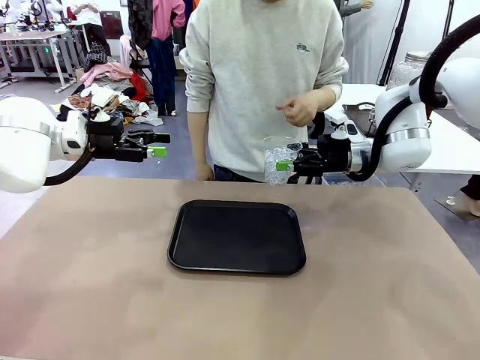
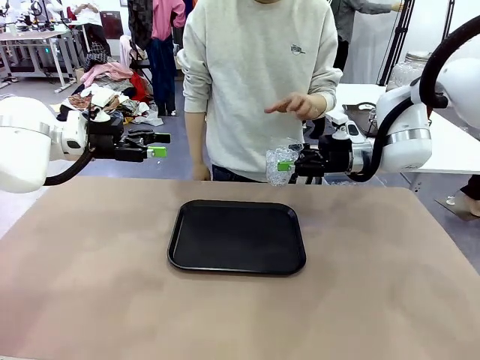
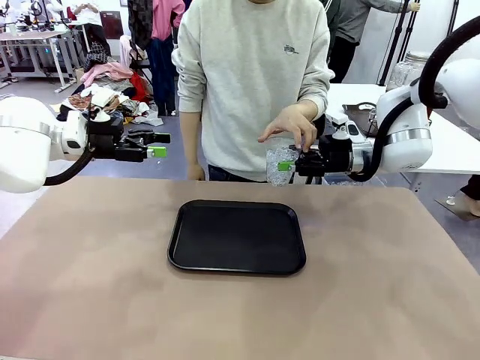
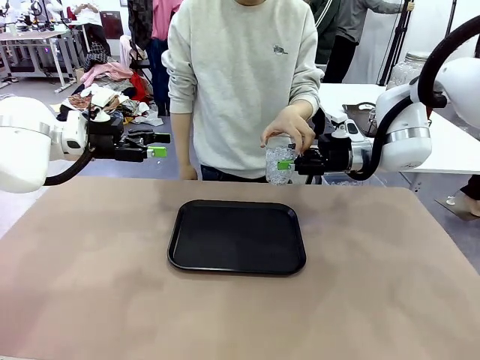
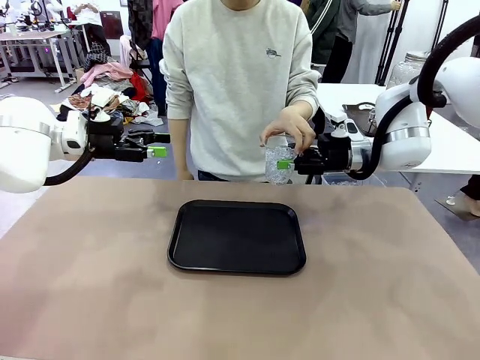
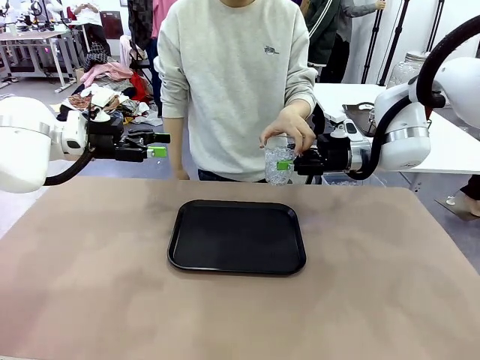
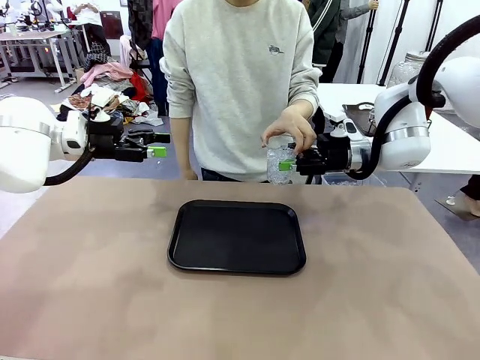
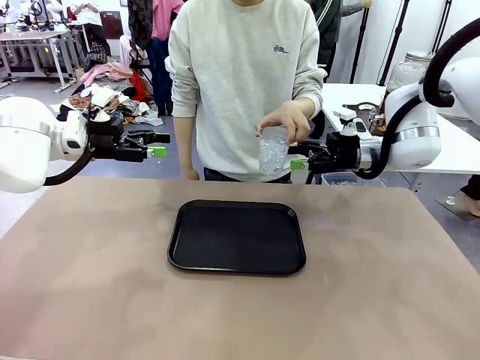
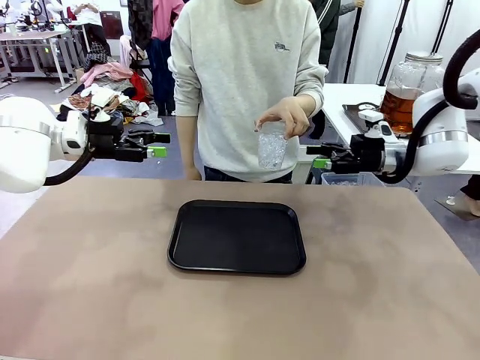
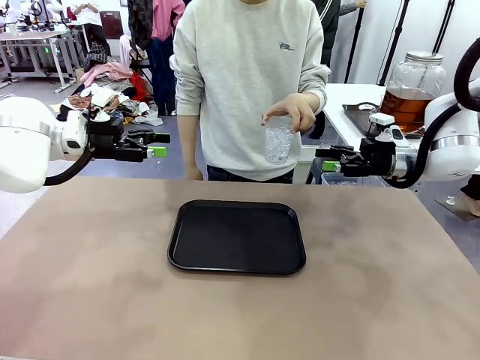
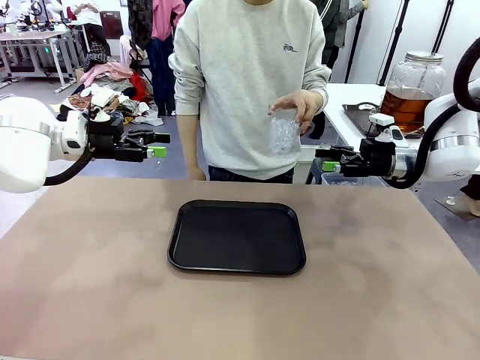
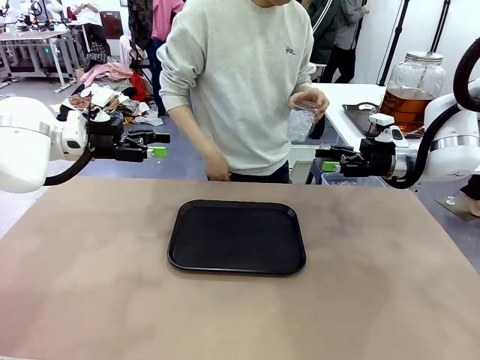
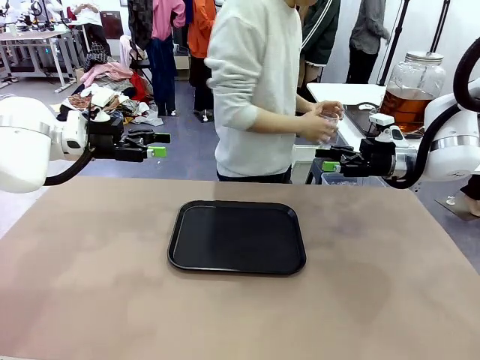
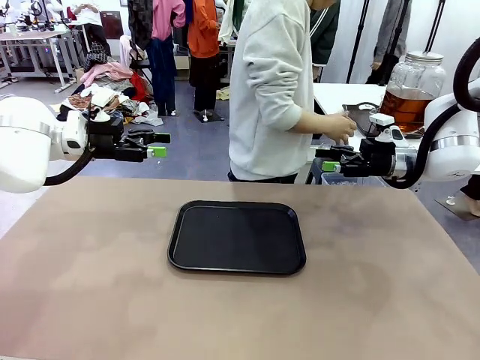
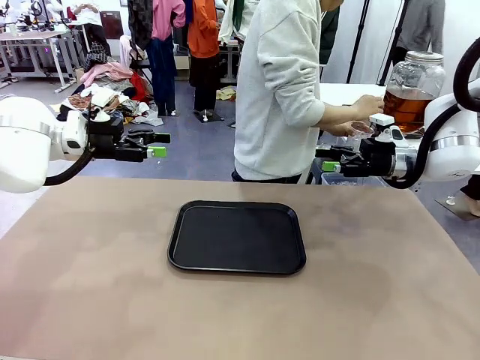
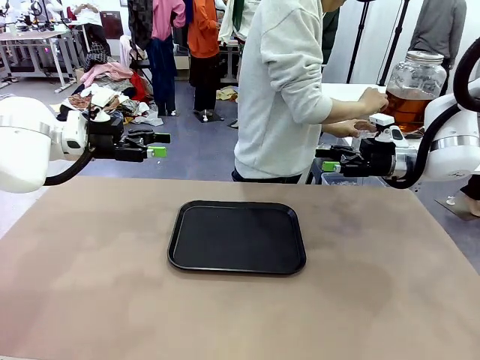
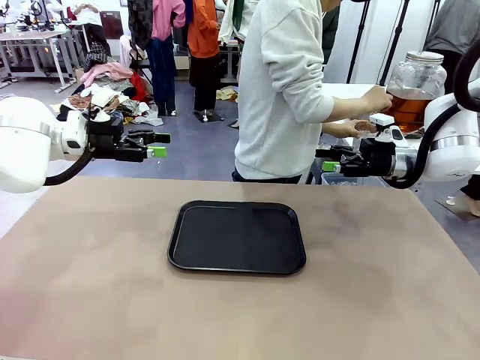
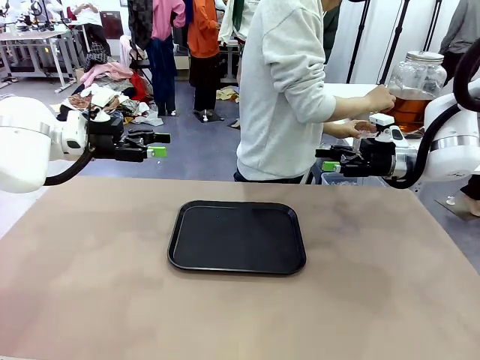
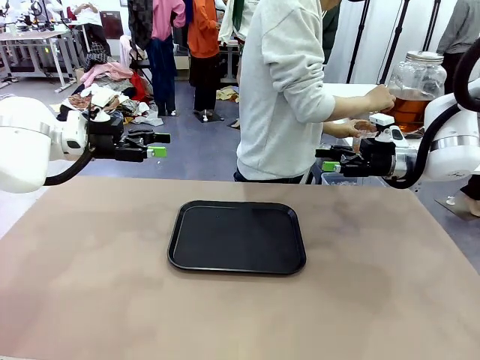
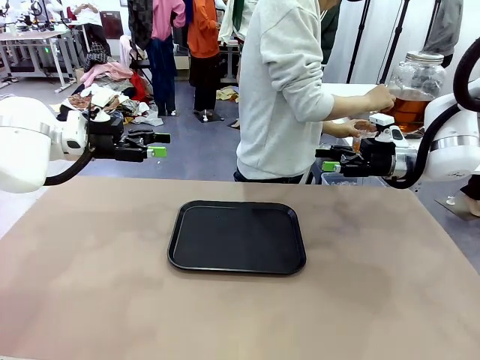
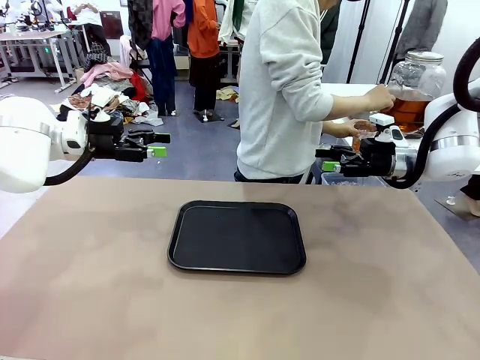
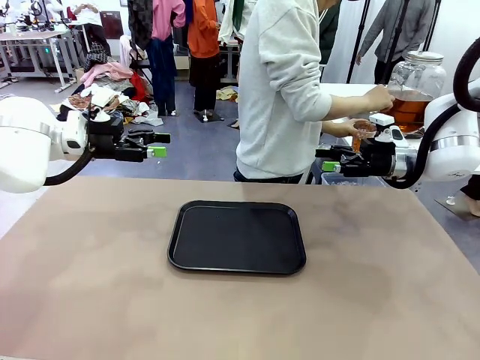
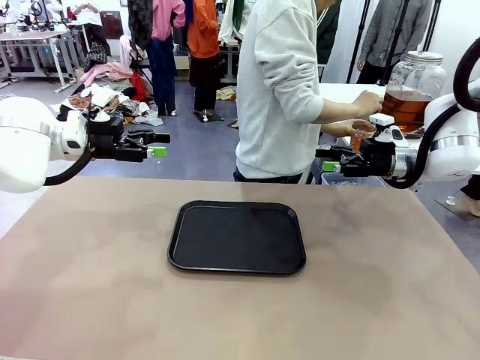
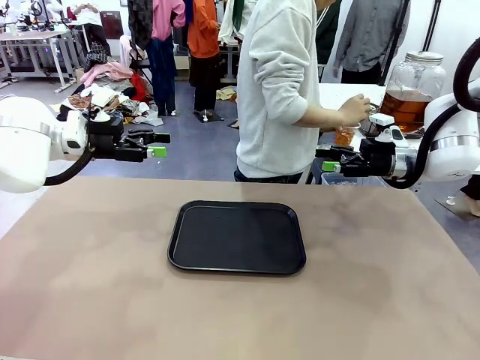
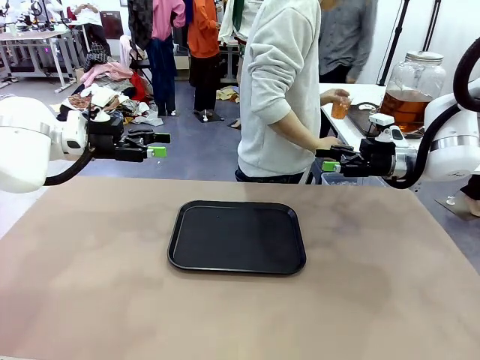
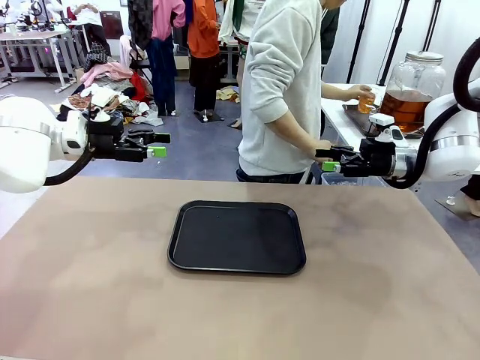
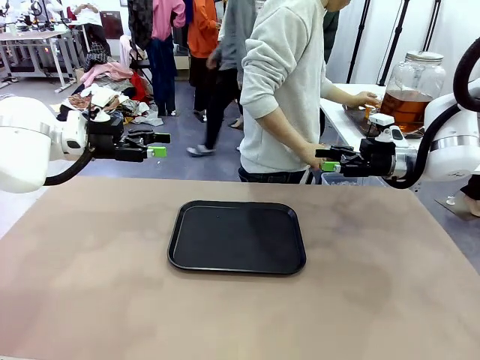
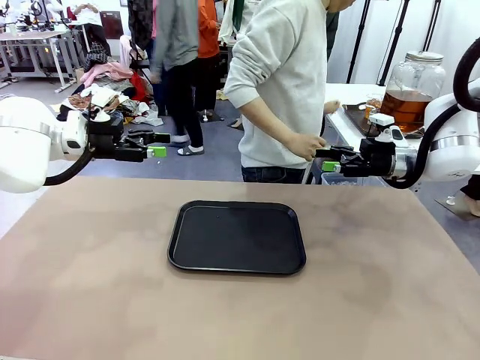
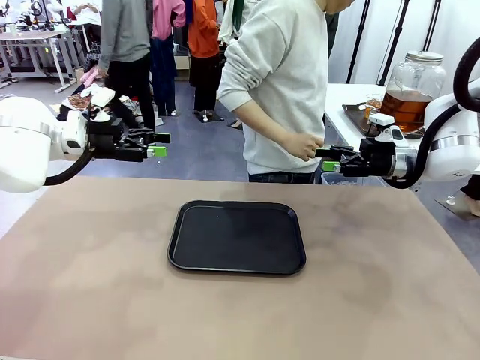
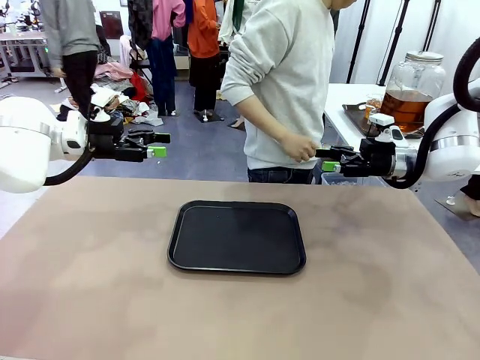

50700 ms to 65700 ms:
Task: Pour the drink into the iced cup.
Robot: Open the gripper to release the iced cup you were holding.
Person: Move the picked-up cup under the dispenser faucet, pour the drink, and place it on the tray on the human table.

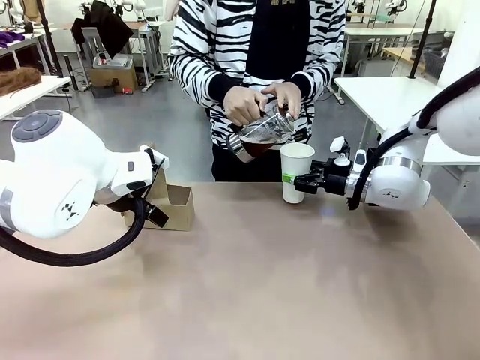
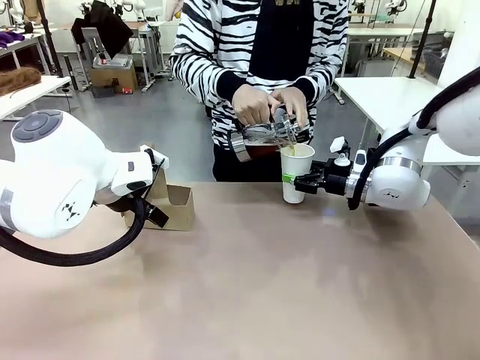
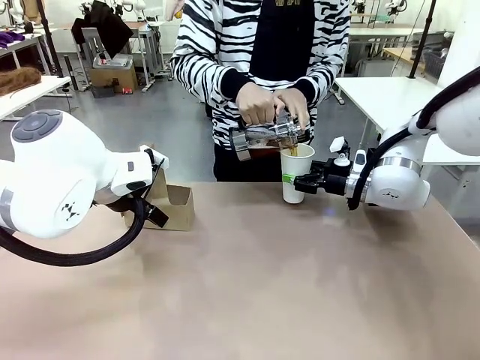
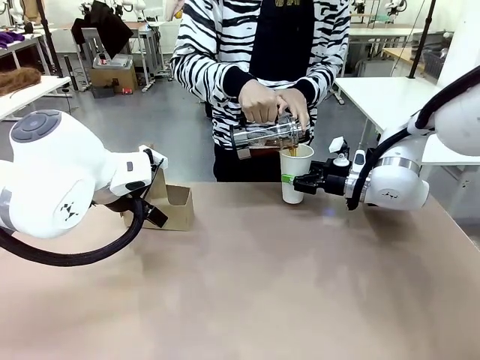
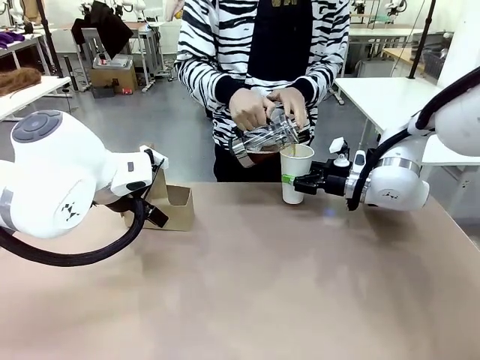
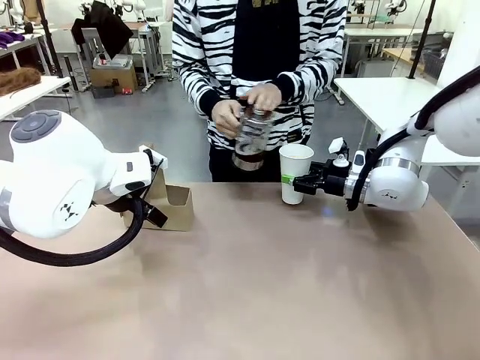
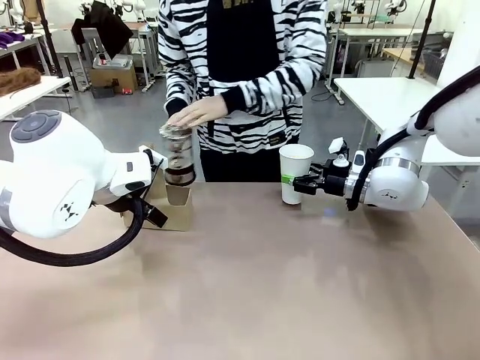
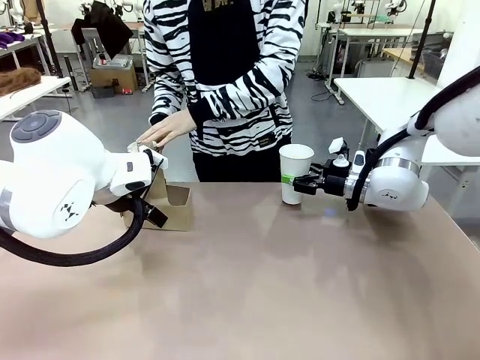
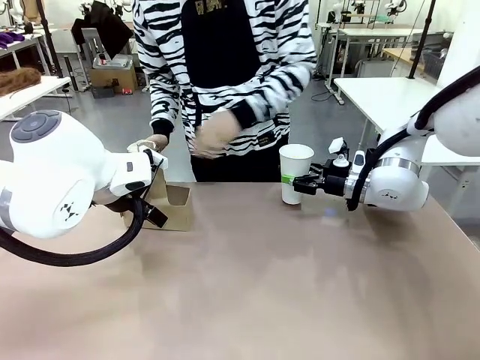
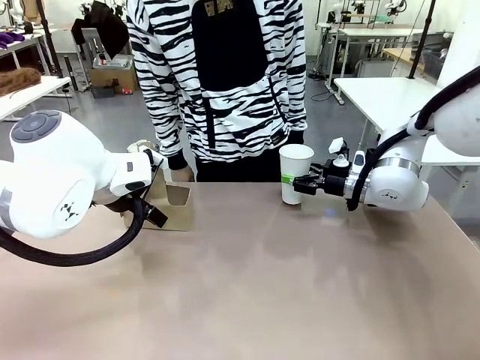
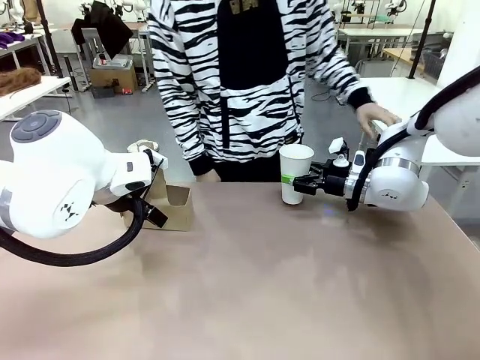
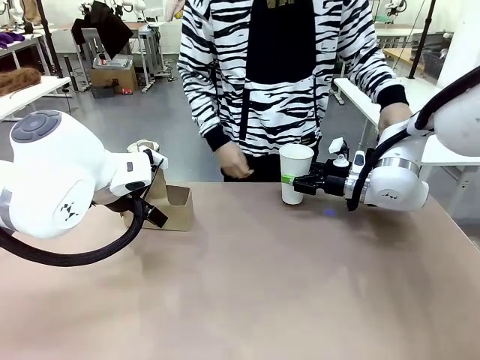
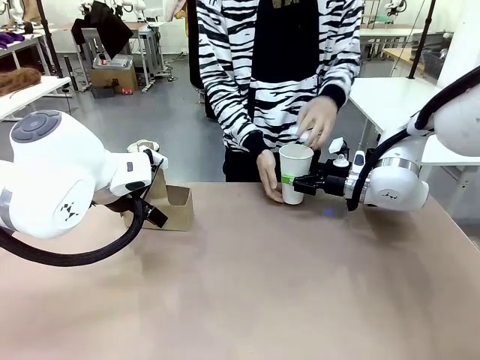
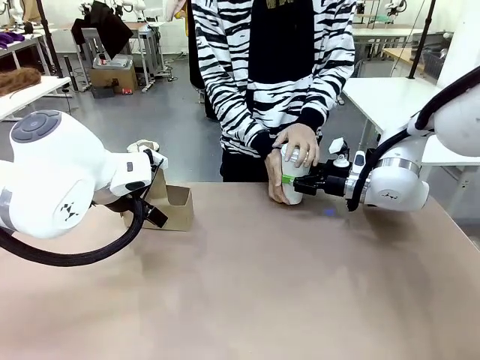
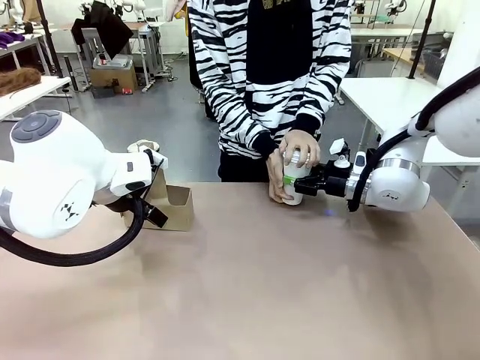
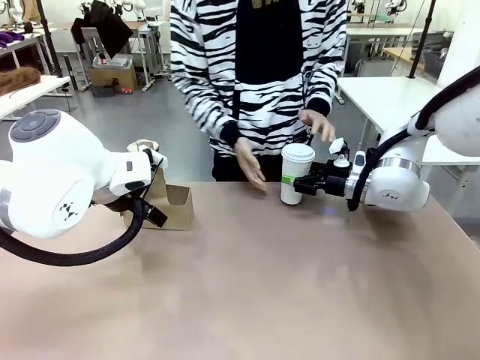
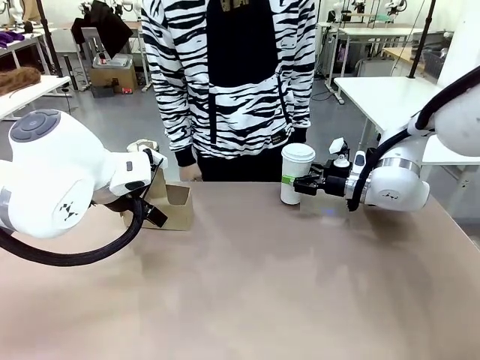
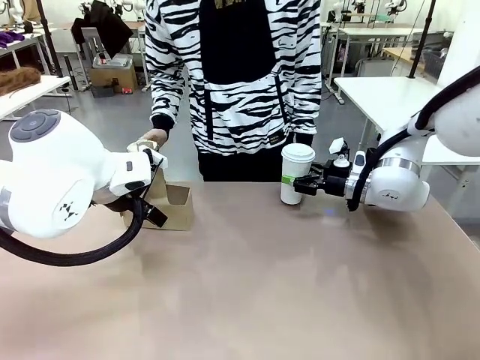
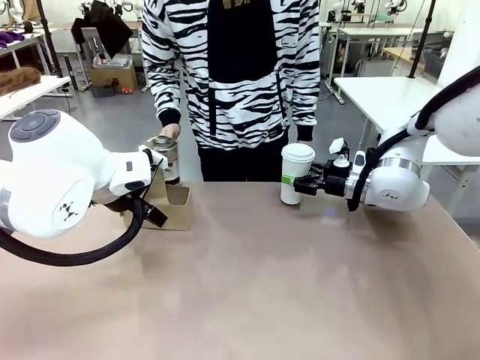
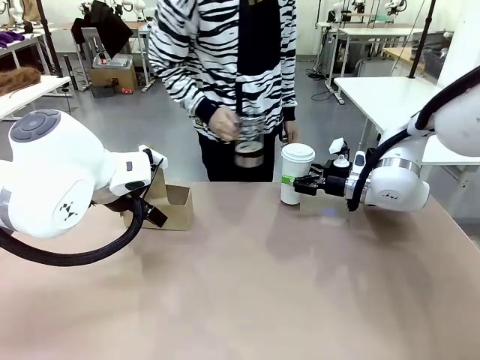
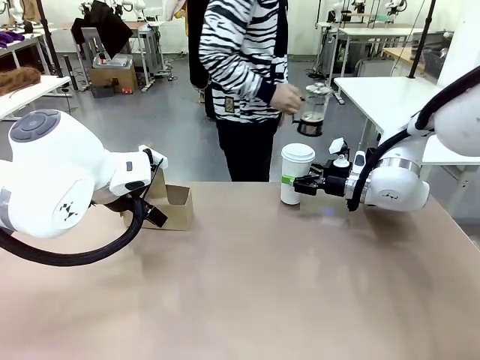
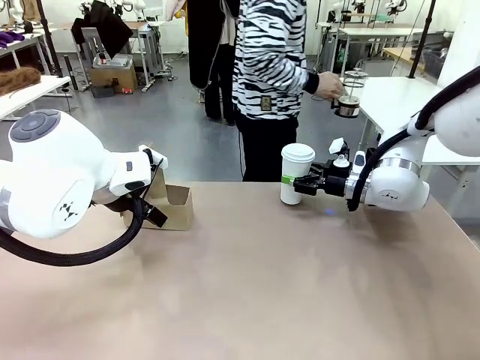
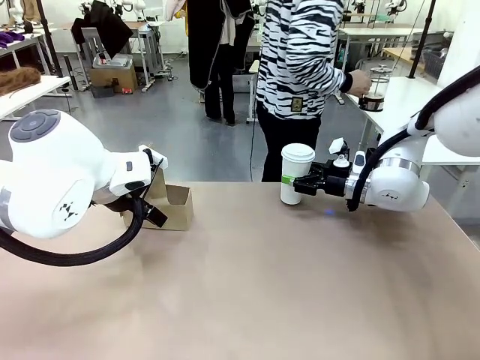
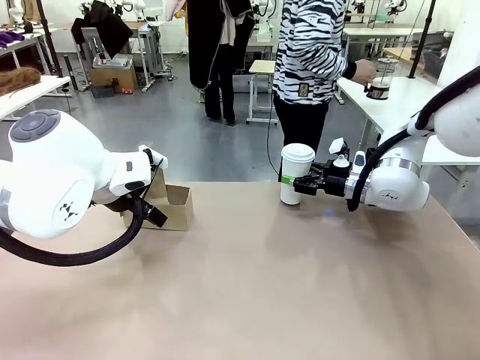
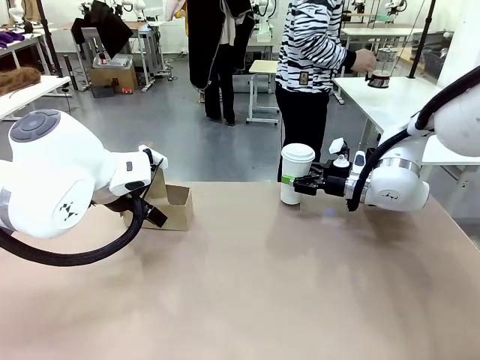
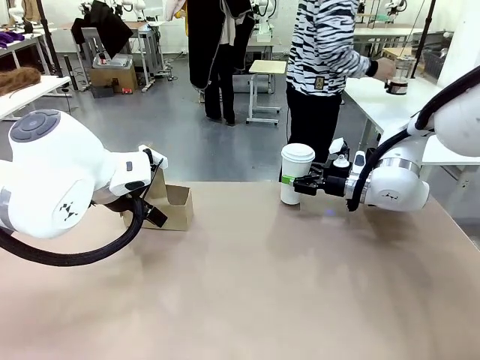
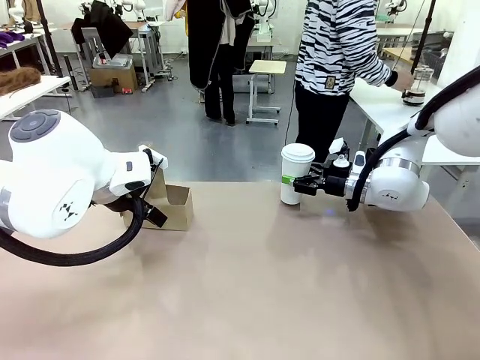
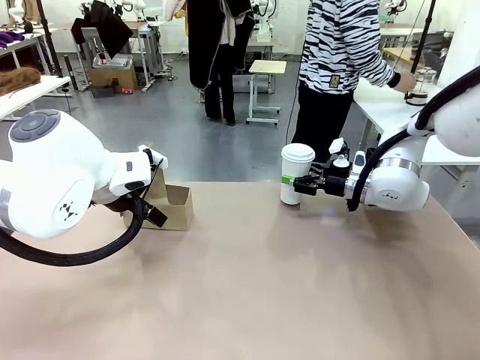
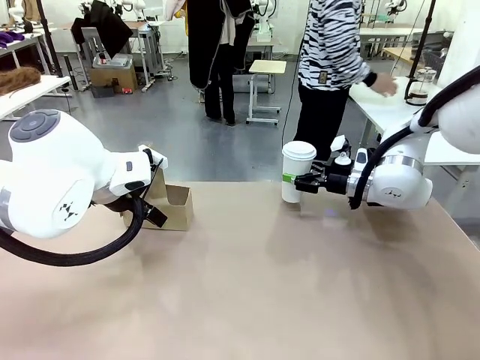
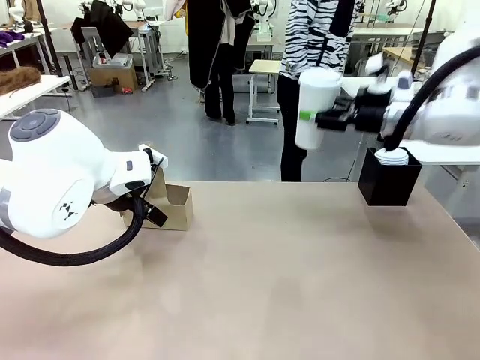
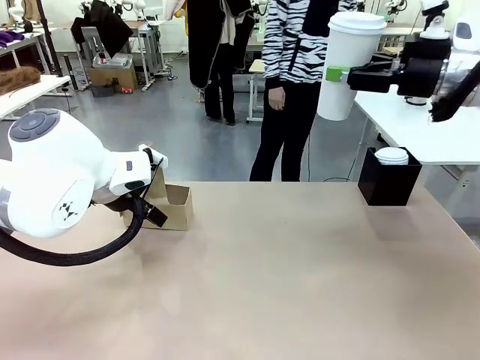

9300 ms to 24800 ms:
Task: Pour a drink into a cup and package it in a carrier.
Robot: When a person places the Paper Cup Lid on the 600 ml Paper Cup , lift the 600 ml Paper Cup.
Person: Pour the drink from the Filter Brewing into the 600 ml Paper Cup. Place a Paper Cup Lid on the 600 ml Paper Cup. Pick up the Filter Brewing and place on the middle of Human table, and return to the Robot table.
